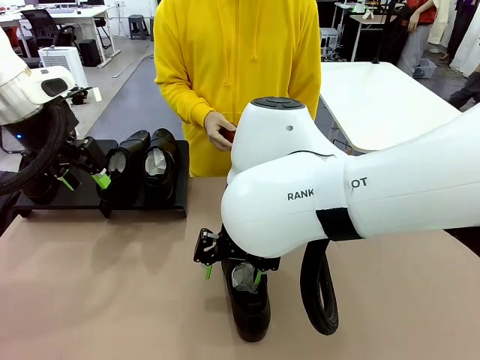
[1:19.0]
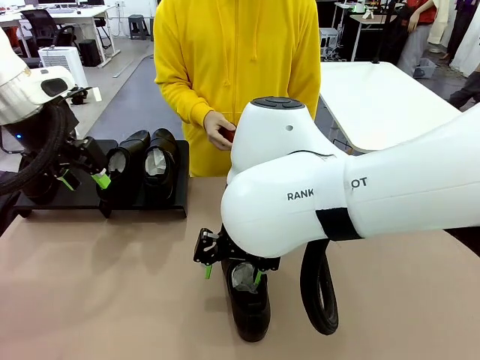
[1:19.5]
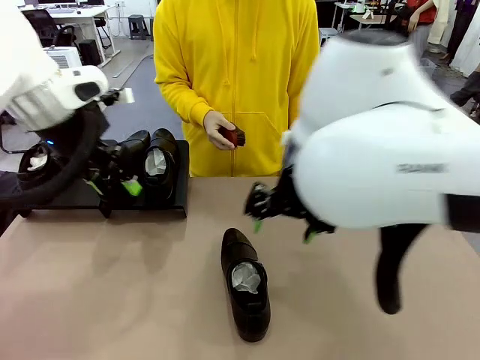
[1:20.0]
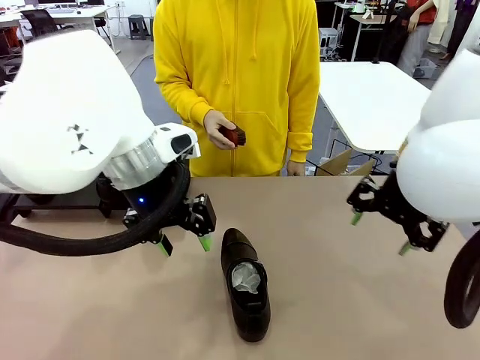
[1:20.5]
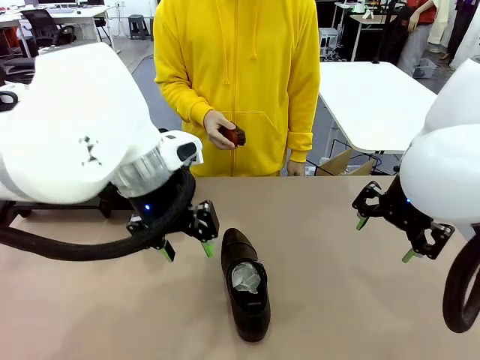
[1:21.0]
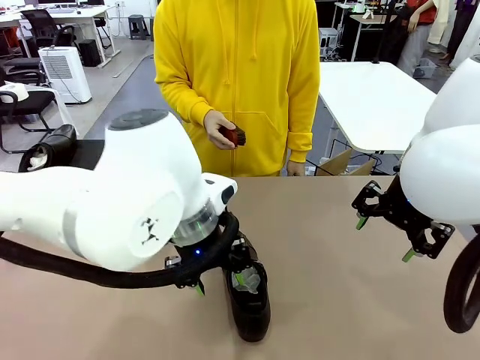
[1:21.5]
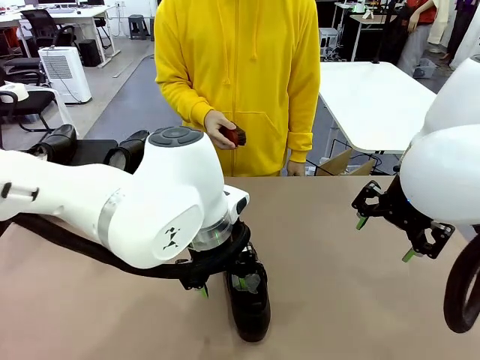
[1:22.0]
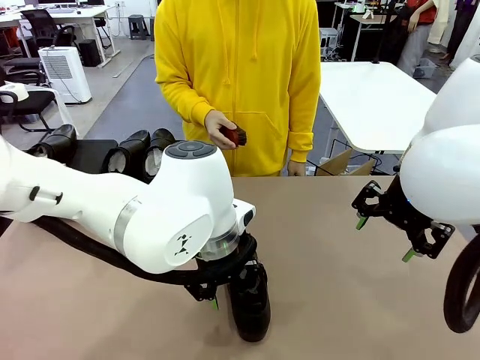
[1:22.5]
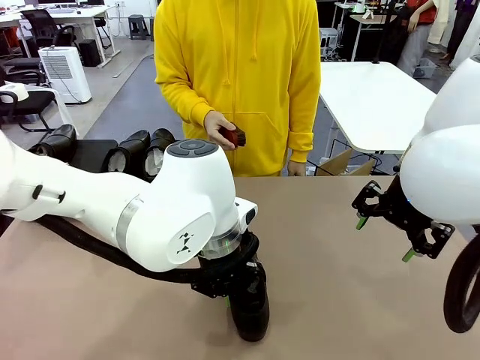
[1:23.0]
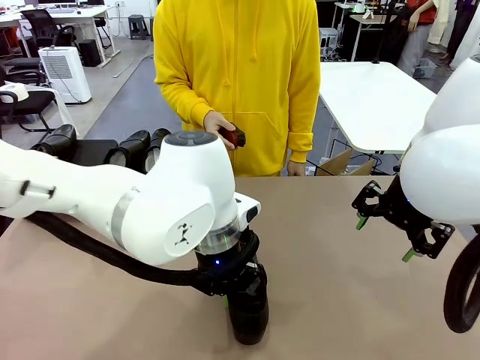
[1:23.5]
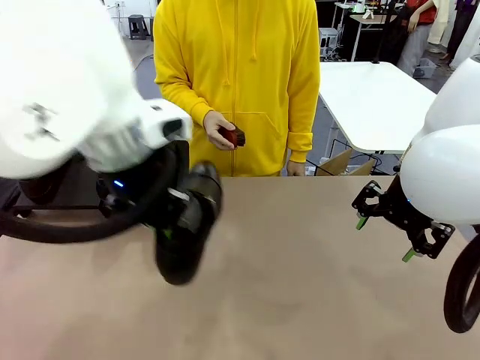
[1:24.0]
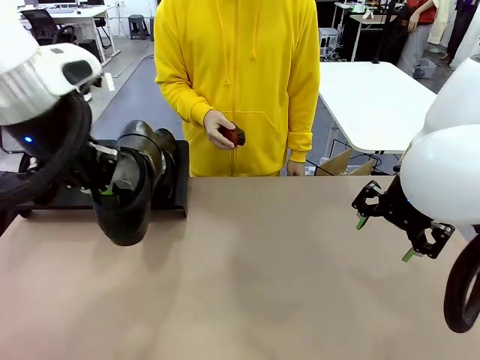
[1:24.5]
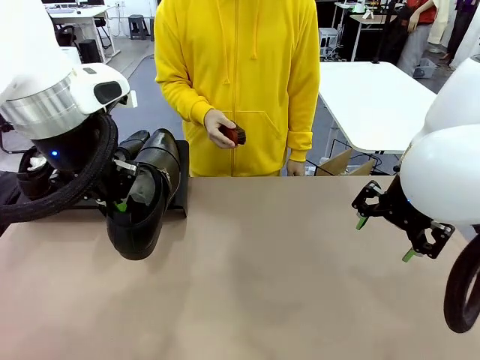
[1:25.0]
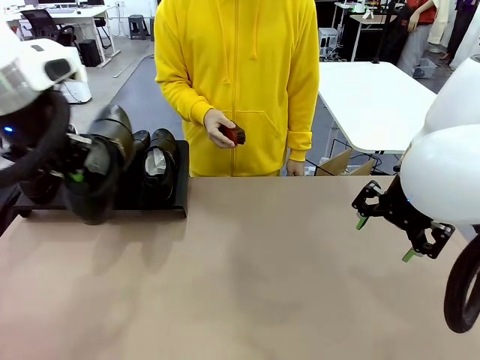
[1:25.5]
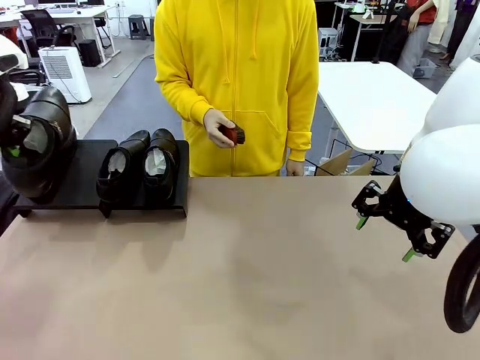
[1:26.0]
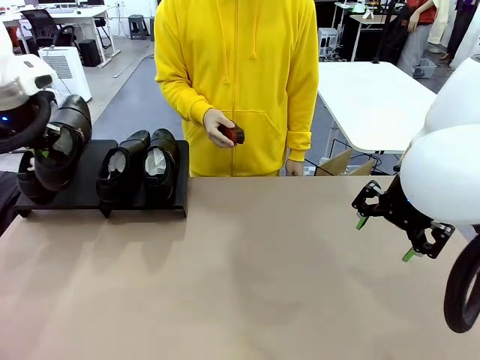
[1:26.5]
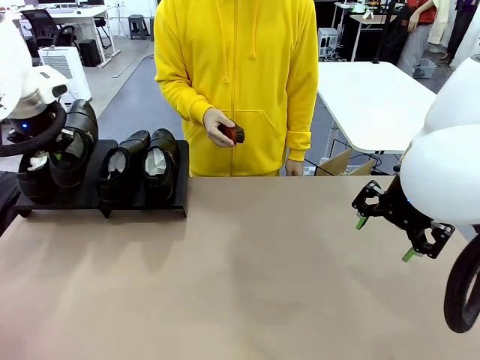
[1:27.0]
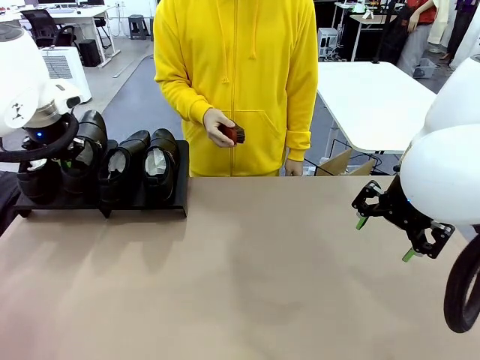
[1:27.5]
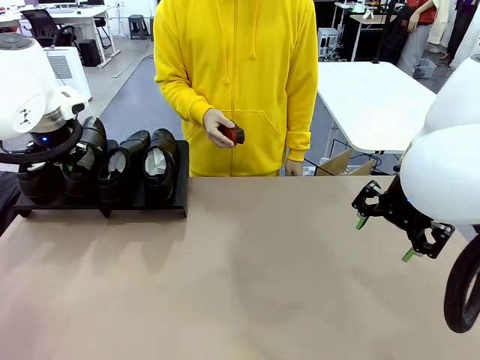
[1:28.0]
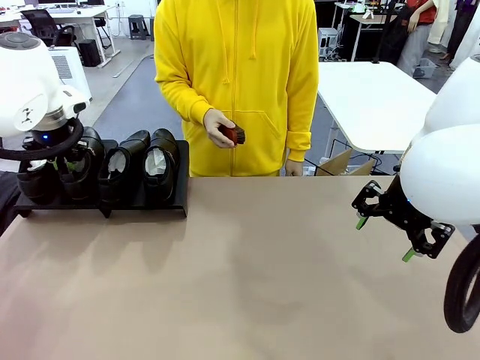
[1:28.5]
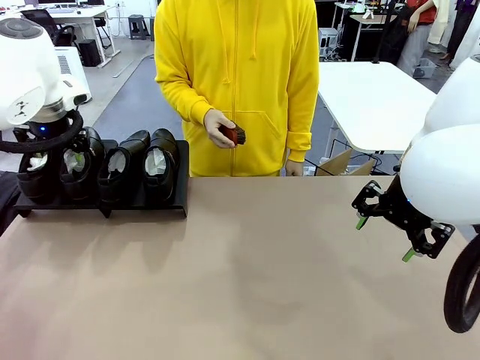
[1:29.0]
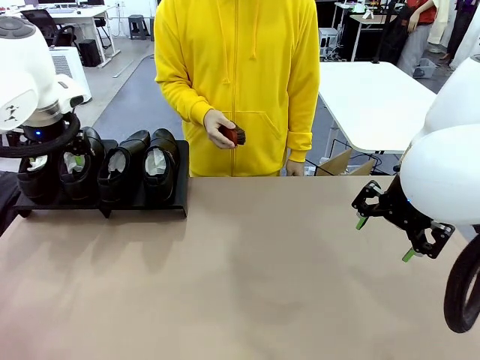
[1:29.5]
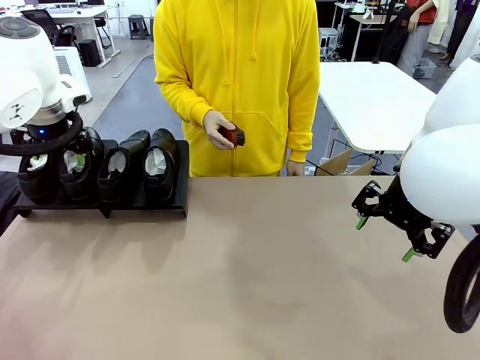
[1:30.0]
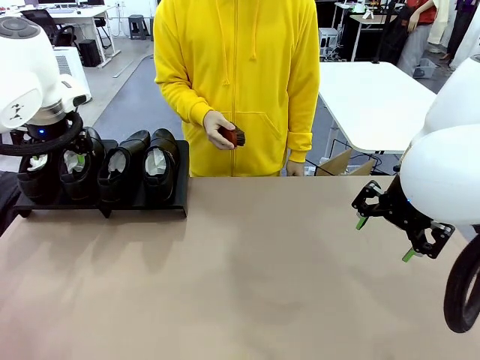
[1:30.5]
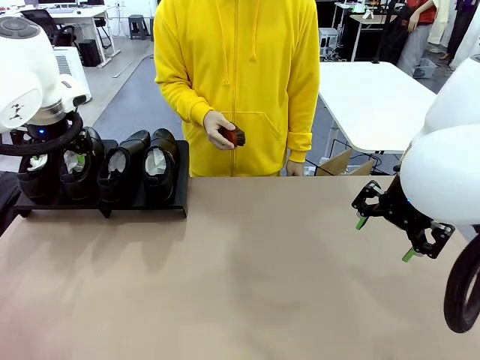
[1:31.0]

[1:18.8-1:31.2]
Task: Organize the shoes by placing them on the stand.
Robot: Place the Shoe from the middle of the table onto the Shoes Stand.

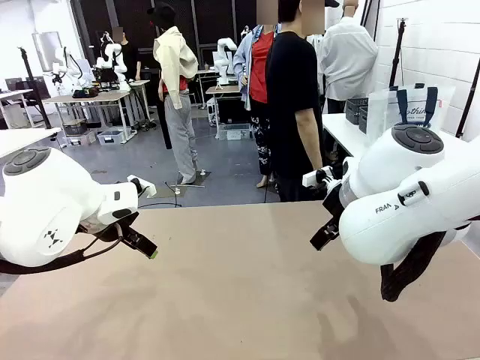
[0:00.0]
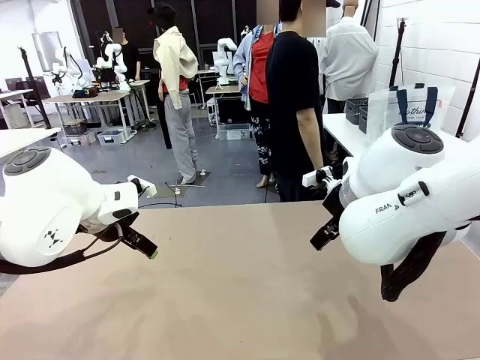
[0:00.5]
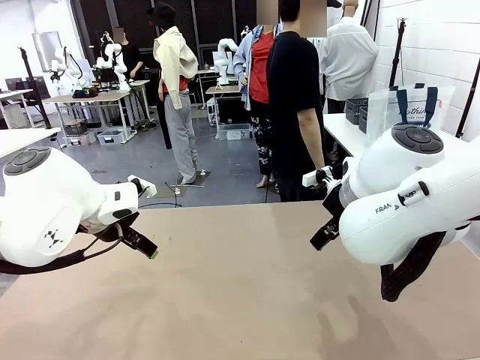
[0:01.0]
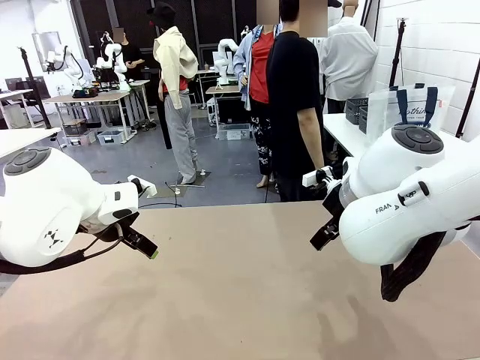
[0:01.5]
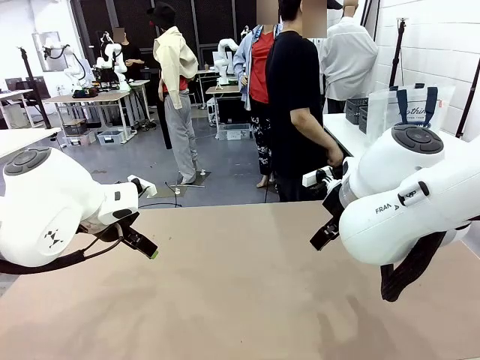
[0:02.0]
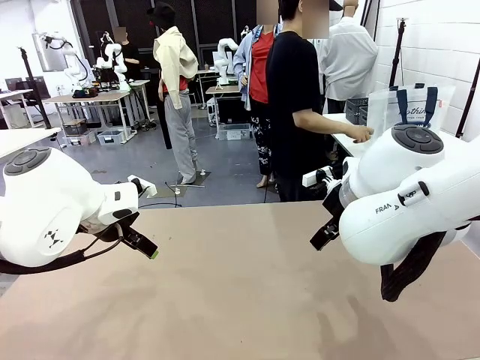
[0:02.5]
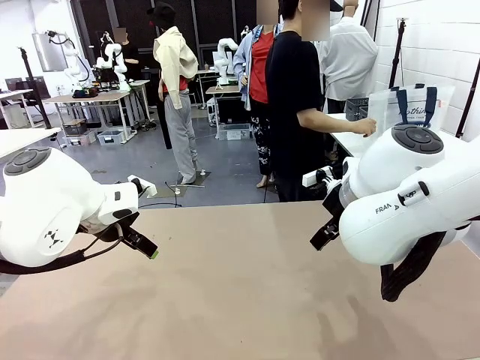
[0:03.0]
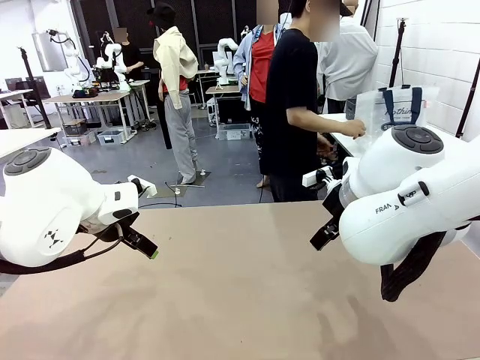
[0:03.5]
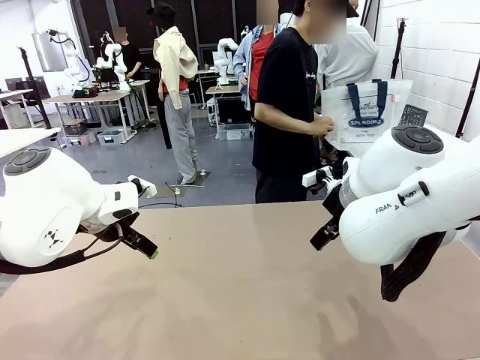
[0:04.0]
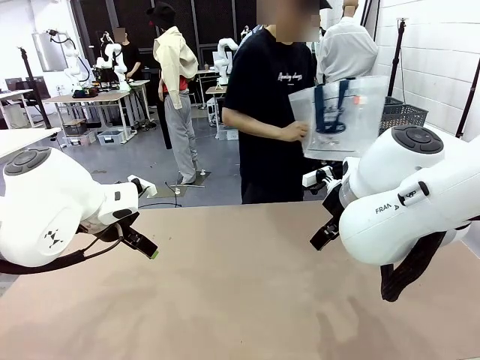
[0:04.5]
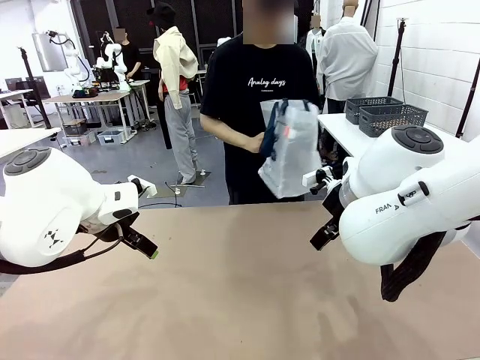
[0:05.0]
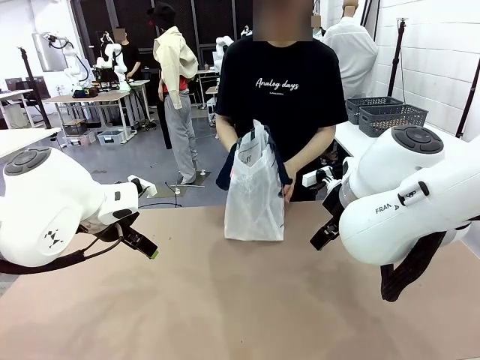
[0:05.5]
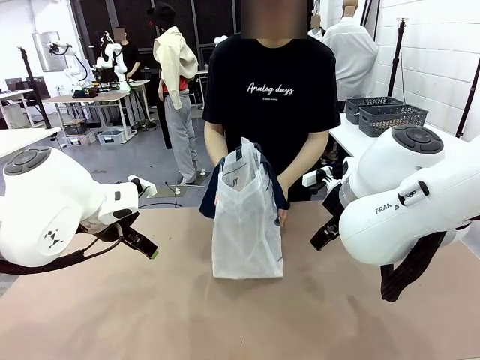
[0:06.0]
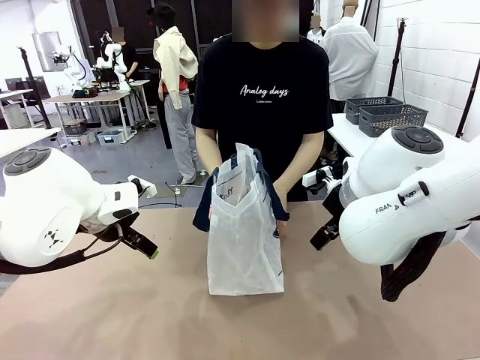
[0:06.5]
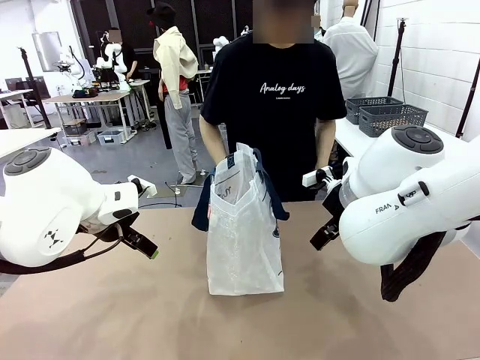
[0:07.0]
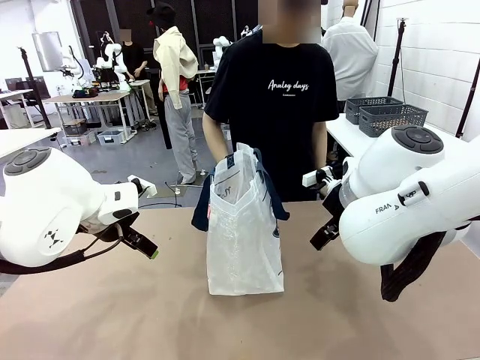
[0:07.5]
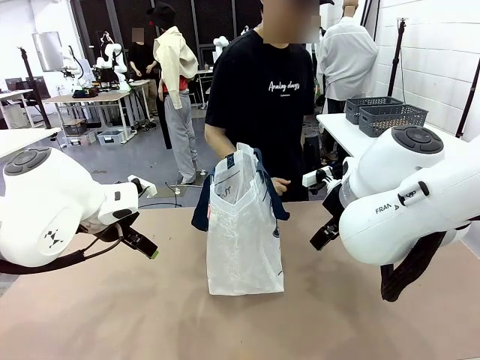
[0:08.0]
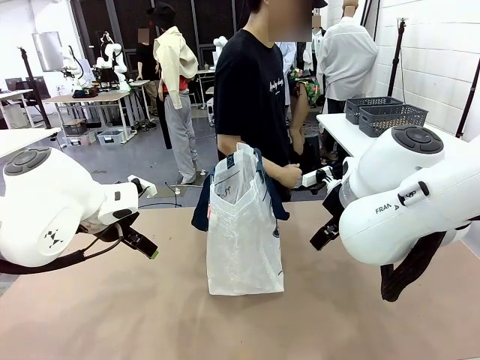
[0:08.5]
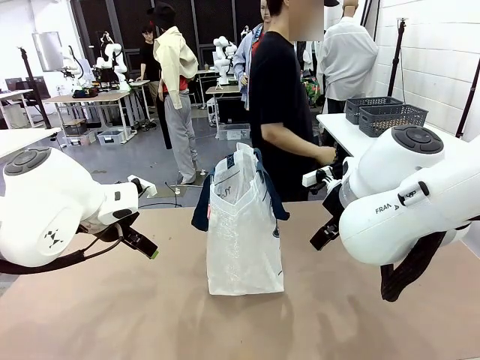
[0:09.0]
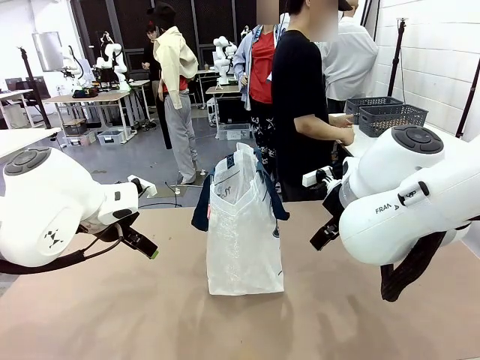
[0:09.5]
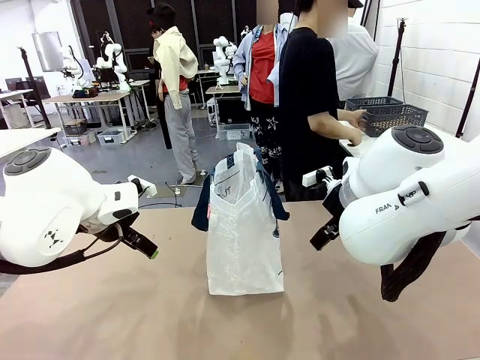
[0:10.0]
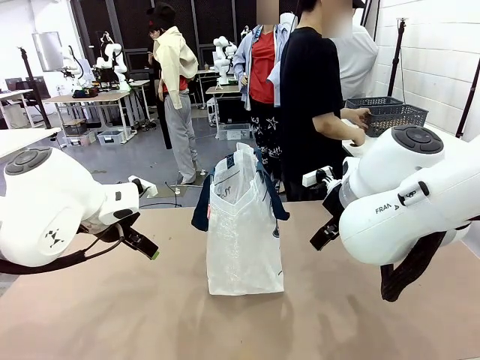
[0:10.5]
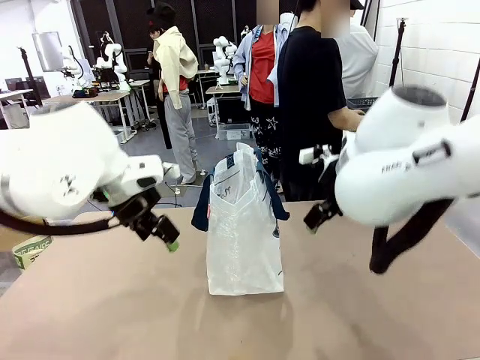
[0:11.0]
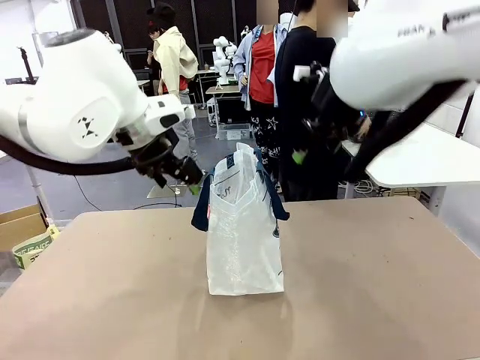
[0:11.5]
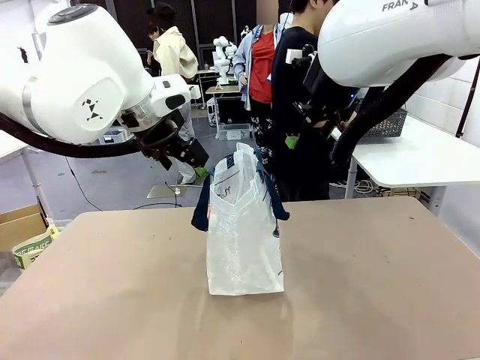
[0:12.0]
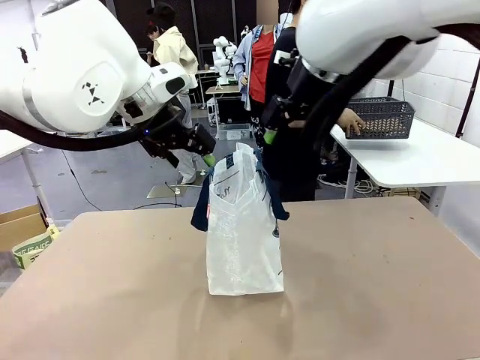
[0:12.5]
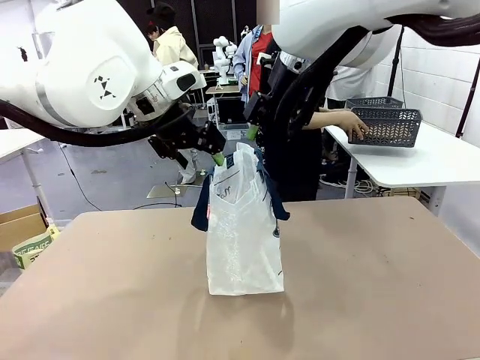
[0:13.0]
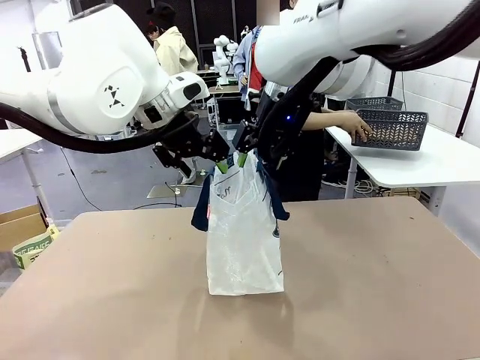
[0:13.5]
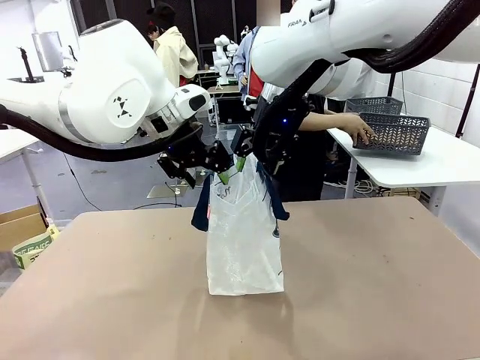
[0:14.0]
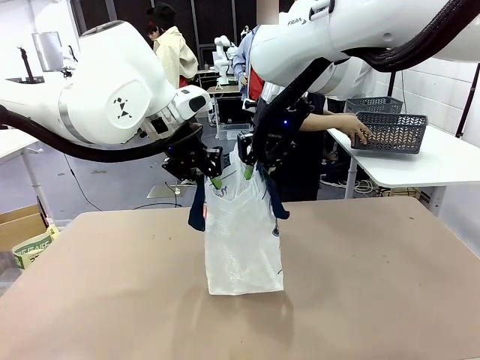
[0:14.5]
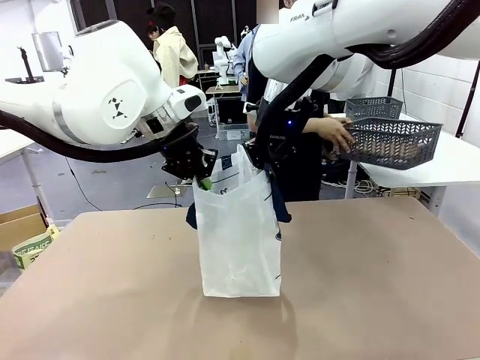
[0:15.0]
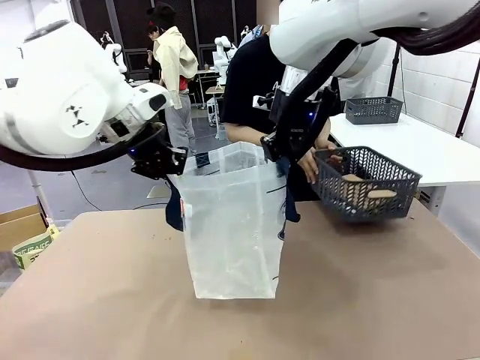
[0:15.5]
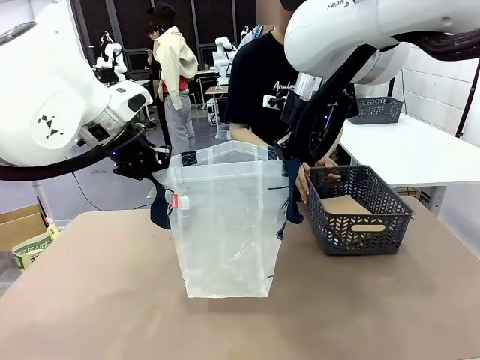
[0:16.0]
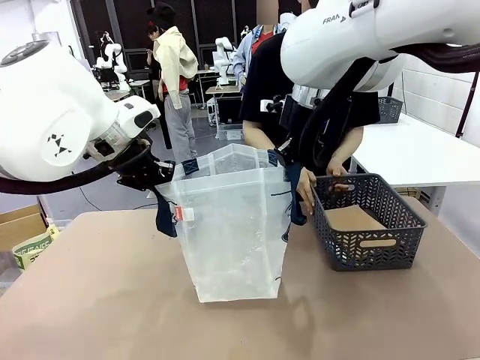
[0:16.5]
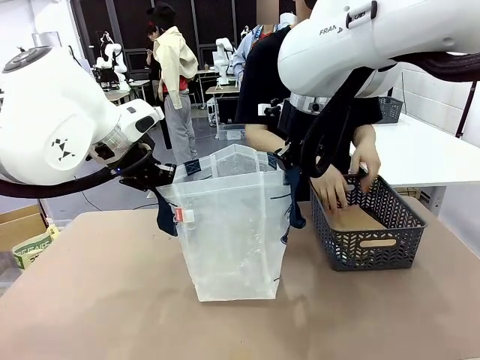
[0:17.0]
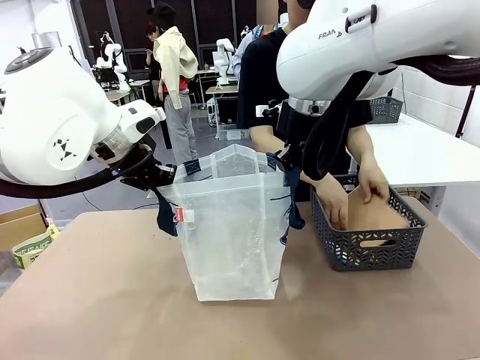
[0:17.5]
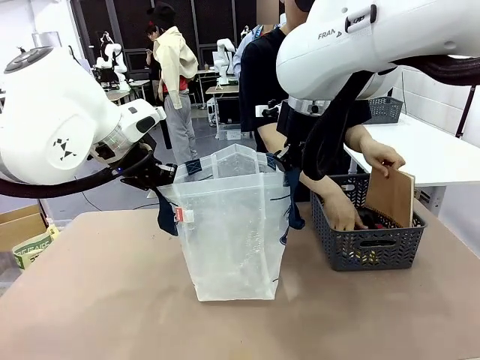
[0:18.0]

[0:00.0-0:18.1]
Task: Transfer purchased items from the store into the shopping bag.
Robot: Open the Reusable shopping bag in the center of the table.
Person: Pick up the shopping bag and place it in the middle of the robot table.
